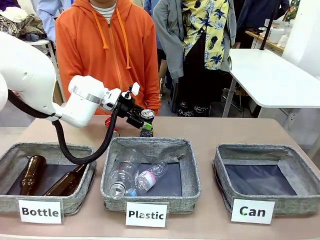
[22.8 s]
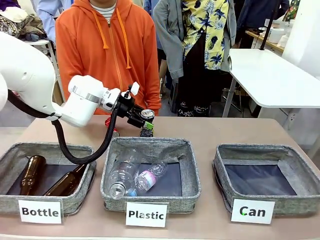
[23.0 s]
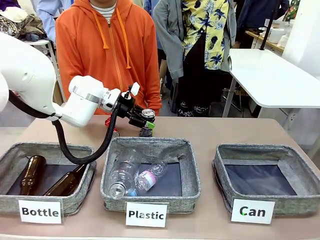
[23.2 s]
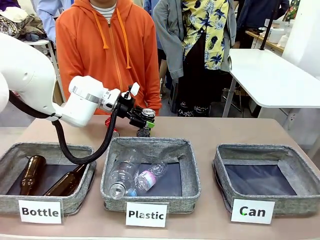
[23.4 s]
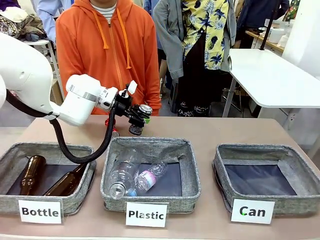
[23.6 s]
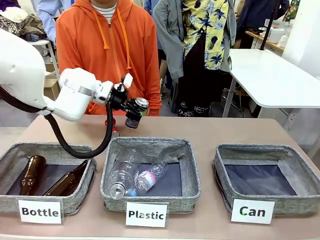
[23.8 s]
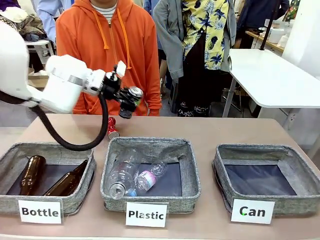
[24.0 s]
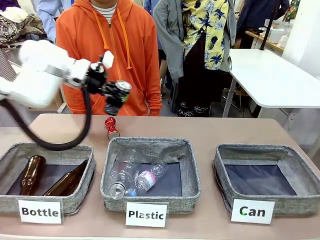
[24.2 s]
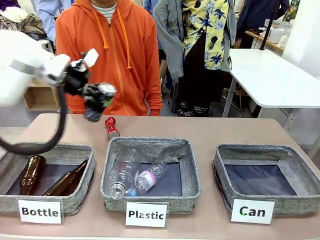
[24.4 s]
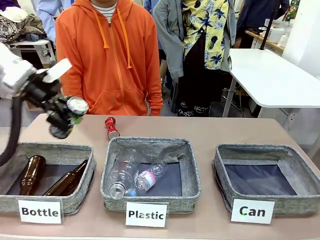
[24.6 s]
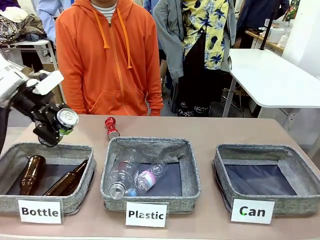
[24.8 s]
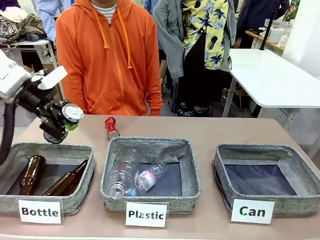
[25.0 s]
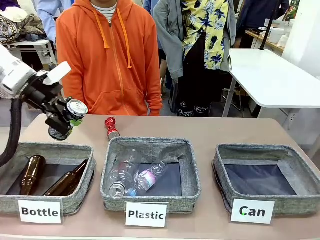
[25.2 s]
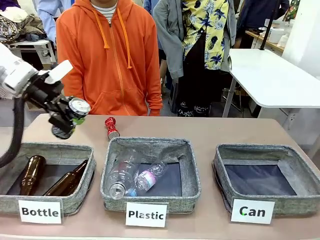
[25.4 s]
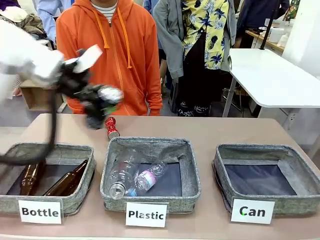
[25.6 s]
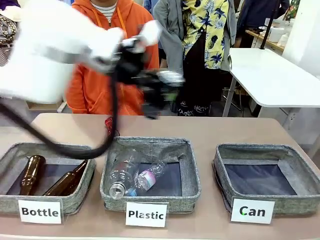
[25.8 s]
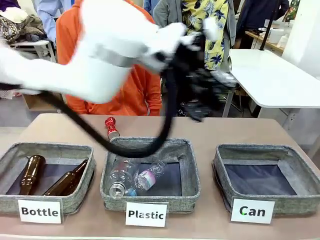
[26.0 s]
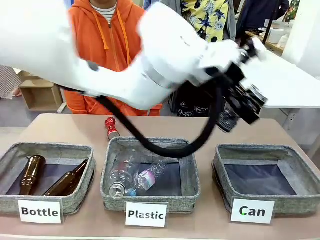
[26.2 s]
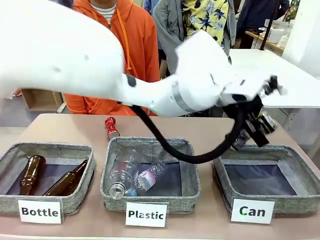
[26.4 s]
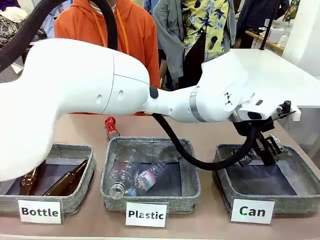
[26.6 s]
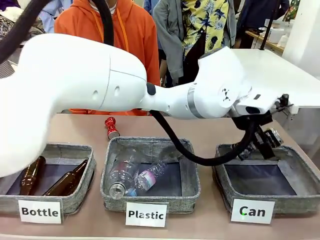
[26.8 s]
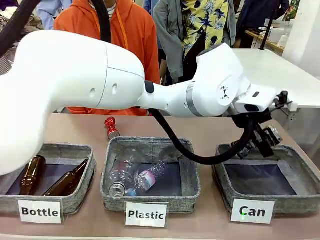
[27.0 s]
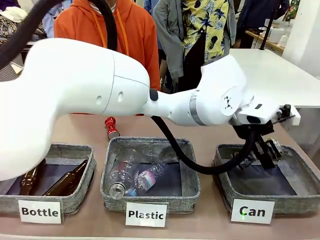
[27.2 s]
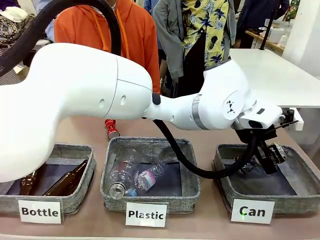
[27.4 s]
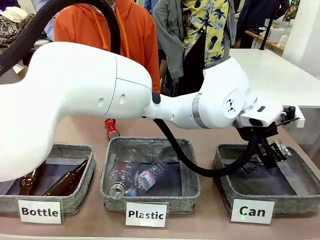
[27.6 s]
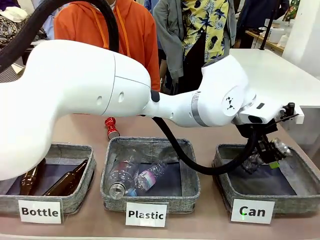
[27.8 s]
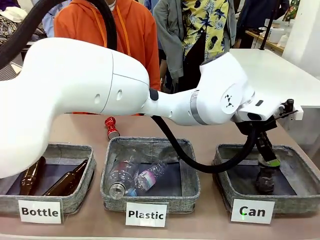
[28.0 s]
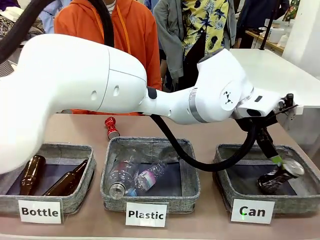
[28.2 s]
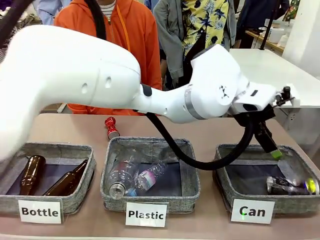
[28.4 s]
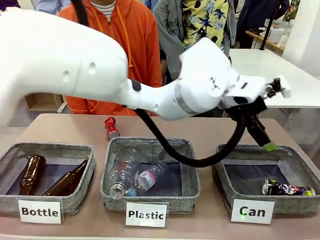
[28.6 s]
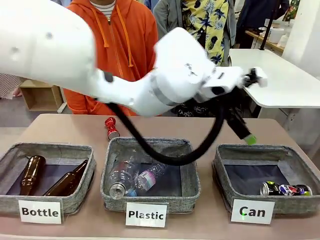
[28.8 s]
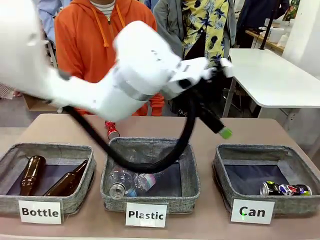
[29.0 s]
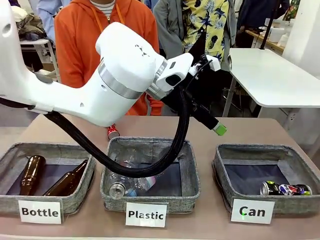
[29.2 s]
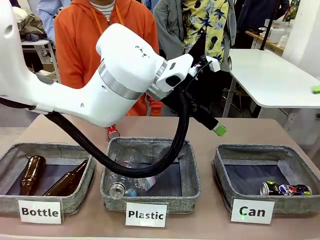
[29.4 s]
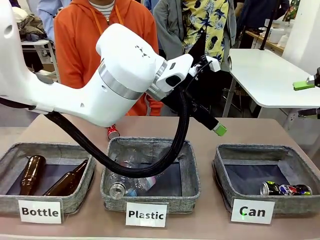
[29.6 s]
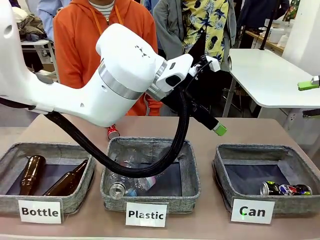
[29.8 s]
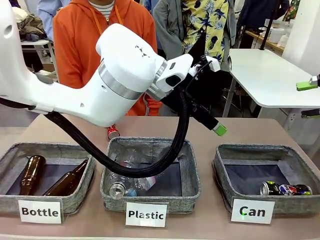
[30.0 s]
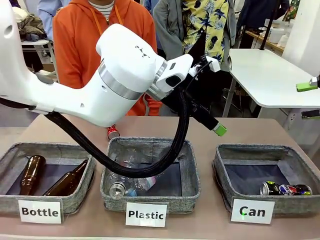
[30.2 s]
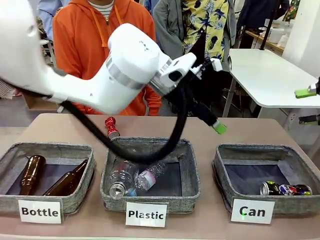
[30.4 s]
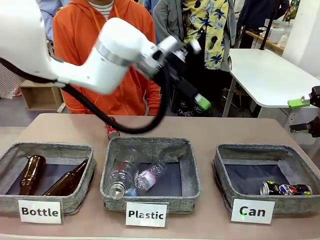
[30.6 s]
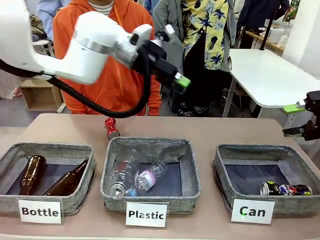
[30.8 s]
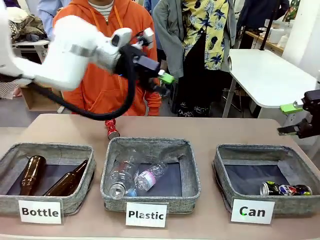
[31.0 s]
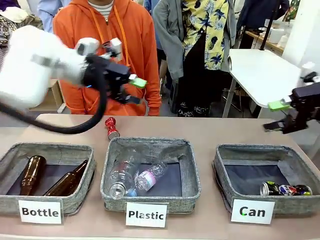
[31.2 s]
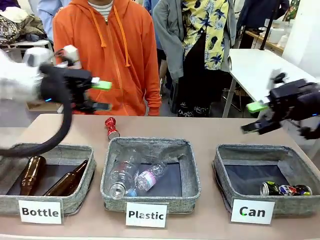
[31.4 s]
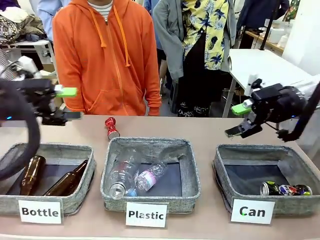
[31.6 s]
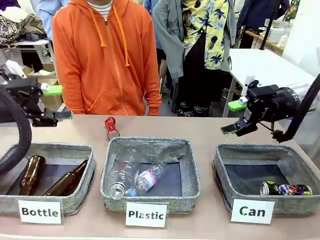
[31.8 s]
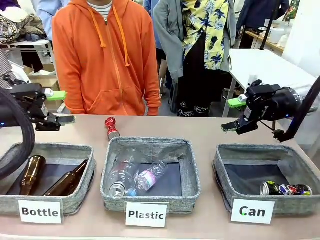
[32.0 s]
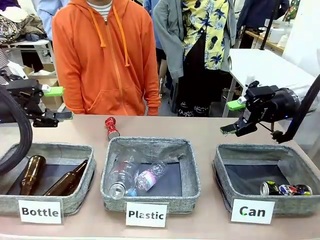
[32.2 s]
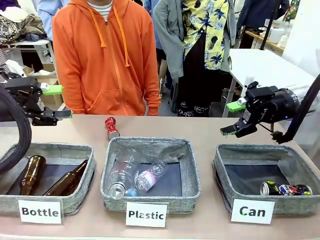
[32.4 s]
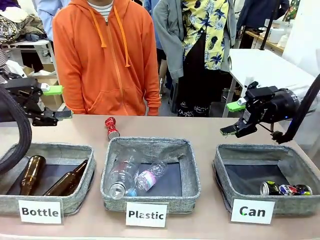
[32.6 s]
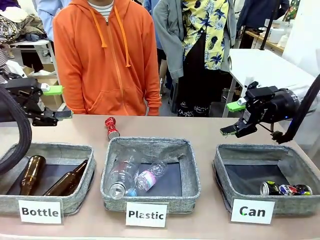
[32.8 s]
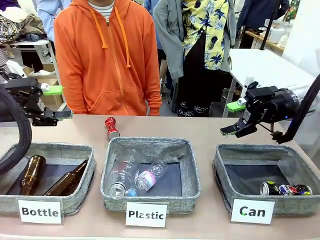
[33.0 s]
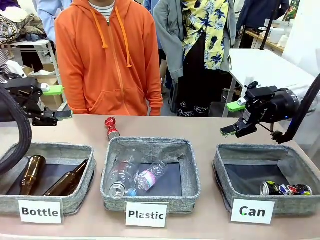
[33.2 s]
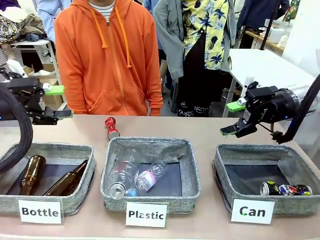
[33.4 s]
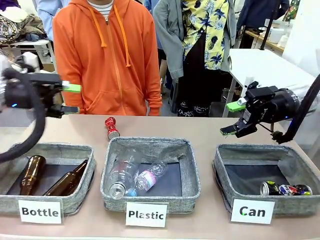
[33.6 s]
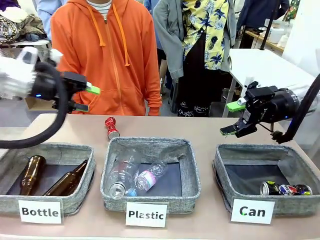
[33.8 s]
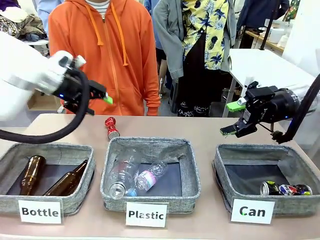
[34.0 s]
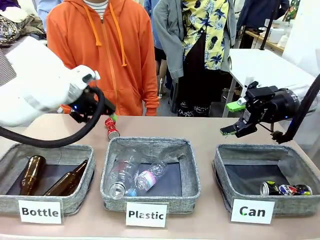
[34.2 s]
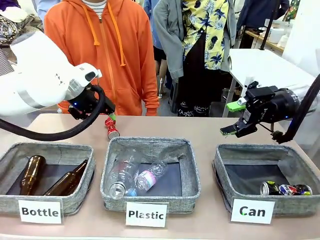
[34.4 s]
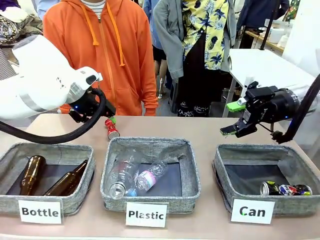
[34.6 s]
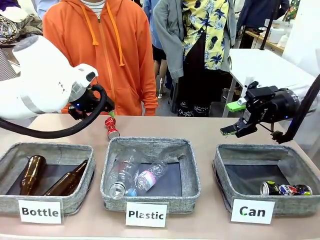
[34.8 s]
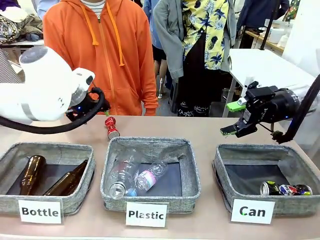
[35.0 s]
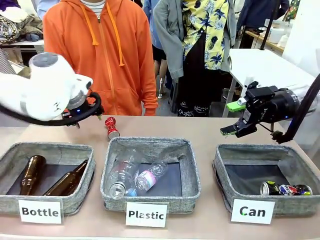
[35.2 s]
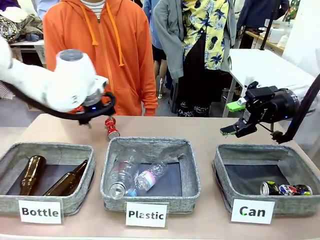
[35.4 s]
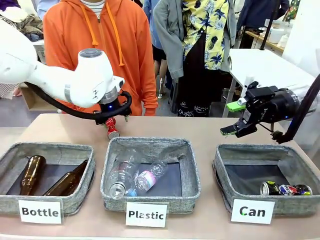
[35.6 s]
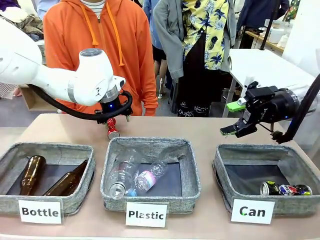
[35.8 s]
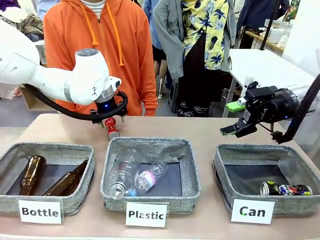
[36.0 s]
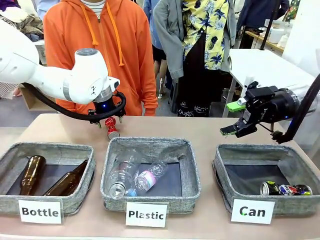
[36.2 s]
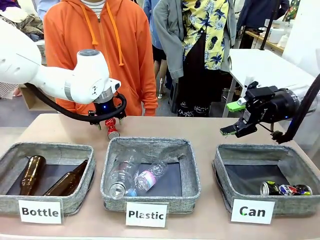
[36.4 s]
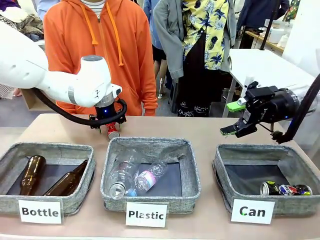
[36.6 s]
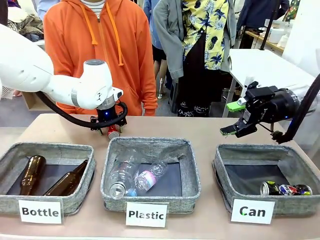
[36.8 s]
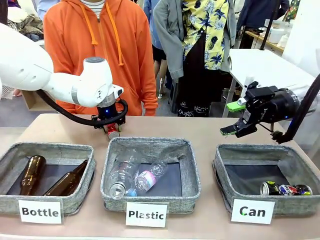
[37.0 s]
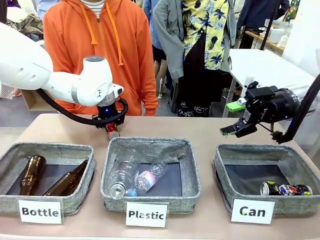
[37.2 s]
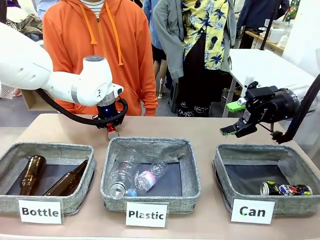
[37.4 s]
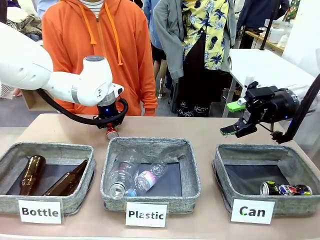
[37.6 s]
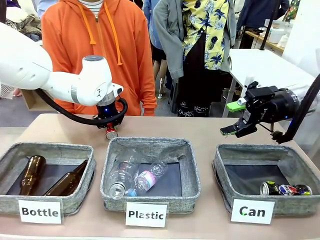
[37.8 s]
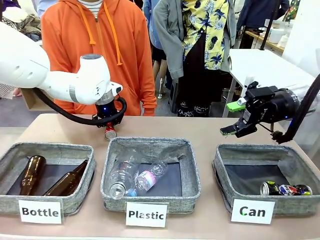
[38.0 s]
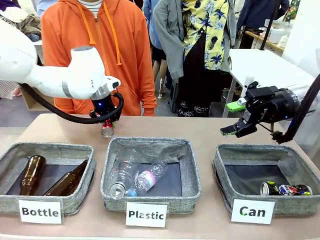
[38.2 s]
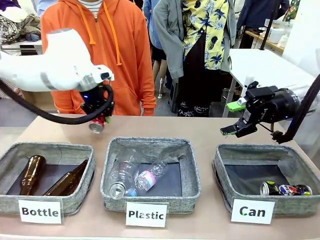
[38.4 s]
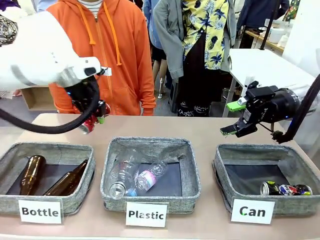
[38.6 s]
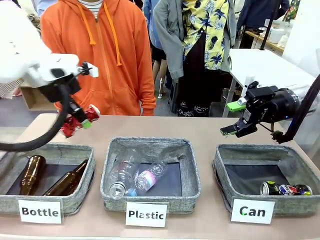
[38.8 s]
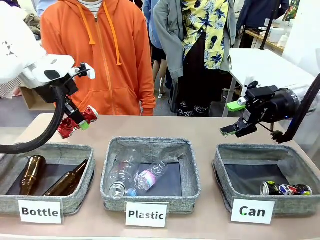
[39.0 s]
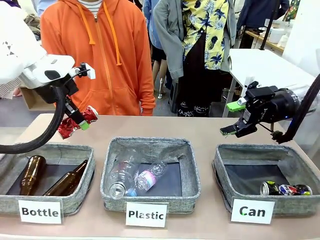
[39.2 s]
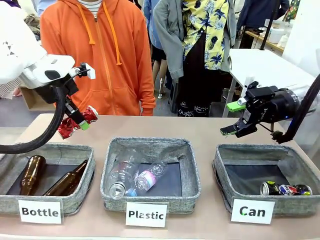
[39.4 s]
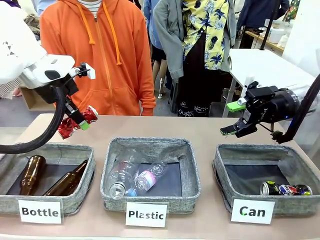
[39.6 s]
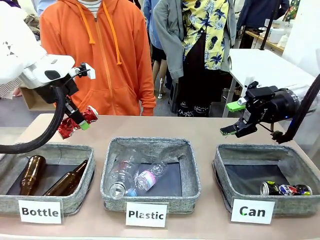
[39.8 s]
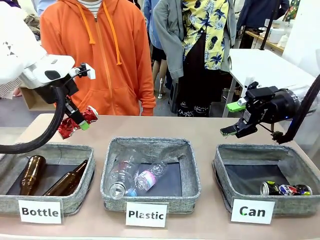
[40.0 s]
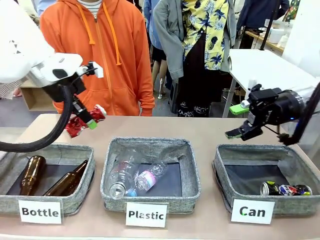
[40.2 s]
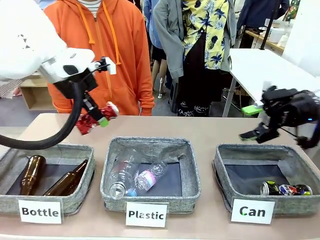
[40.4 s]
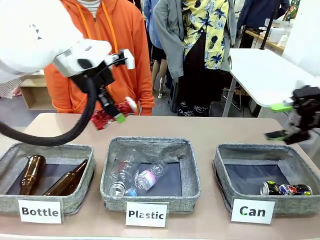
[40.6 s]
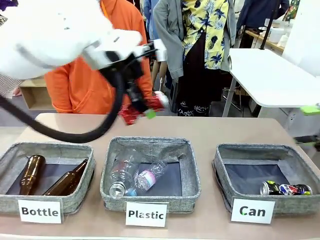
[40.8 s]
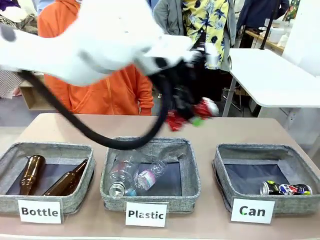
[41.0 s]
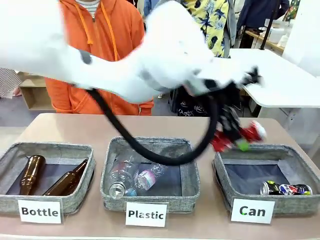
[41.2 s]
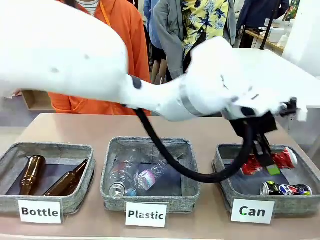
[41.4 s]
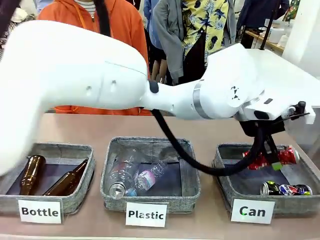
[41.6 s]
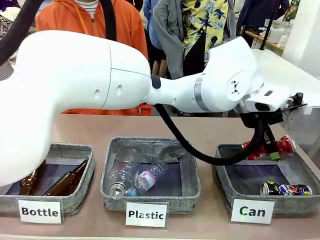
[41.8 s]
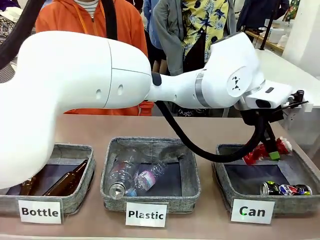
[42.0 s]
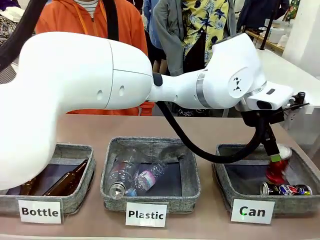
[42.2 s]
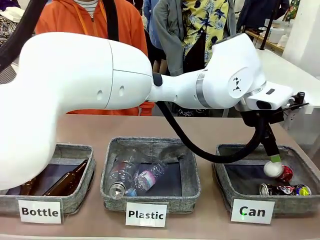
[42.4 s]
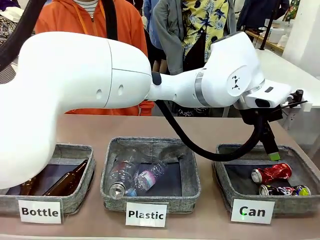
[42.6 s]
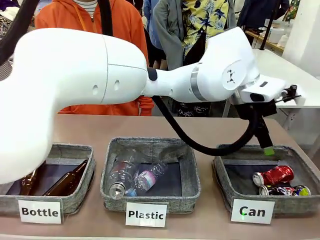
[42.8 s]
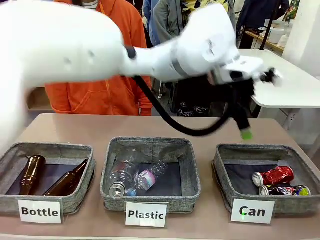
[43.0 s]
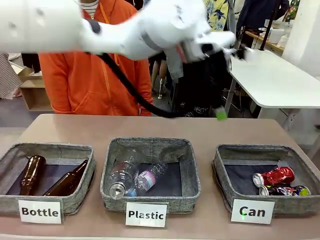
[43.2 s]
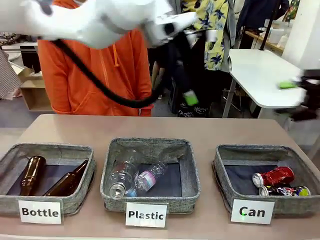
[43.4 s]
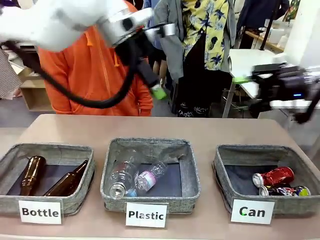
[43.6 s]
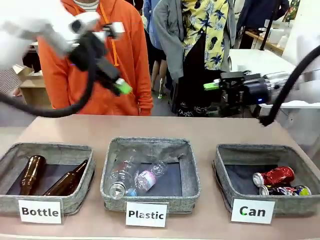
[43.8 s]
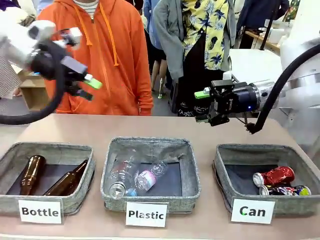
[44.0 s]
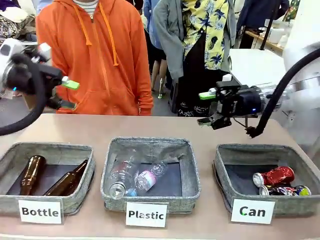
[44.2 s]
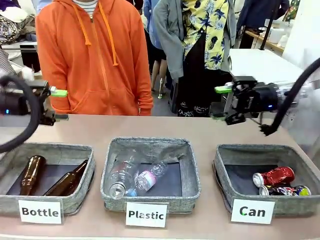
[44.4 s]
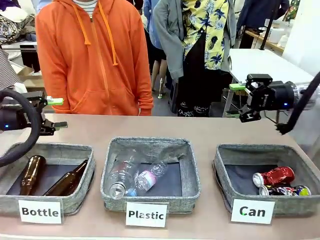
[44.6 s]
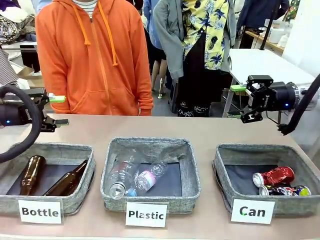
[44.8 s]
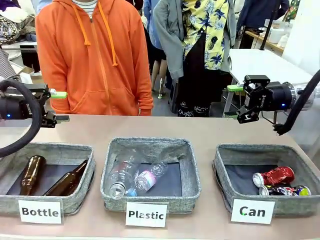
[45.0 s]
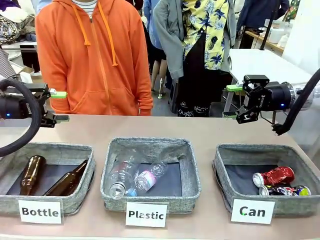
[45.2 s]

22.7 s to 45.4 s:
Task: Sort the can waste into the basket.
Robot: Pick up the can waste from the table and place it in the right Fabric basket.
